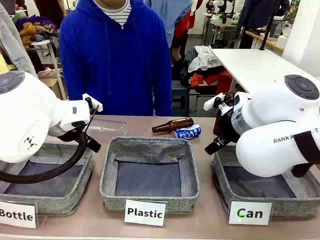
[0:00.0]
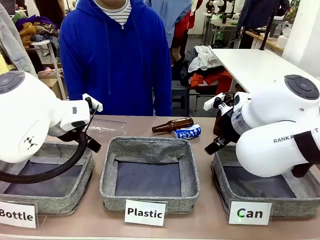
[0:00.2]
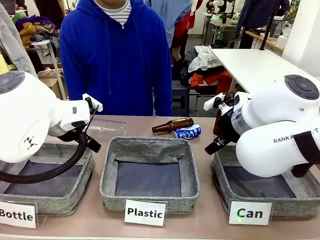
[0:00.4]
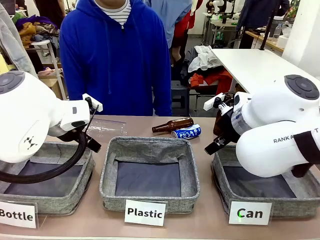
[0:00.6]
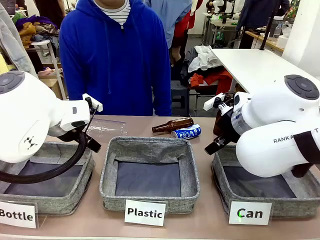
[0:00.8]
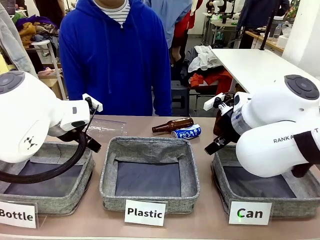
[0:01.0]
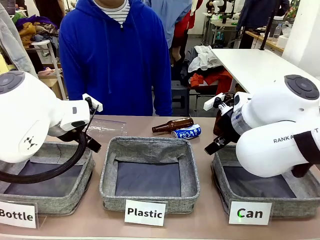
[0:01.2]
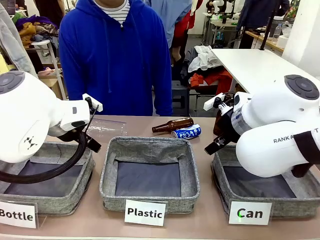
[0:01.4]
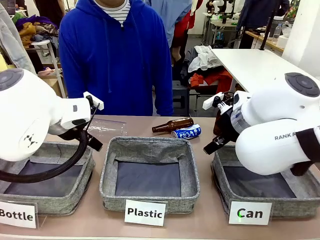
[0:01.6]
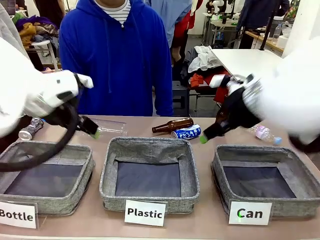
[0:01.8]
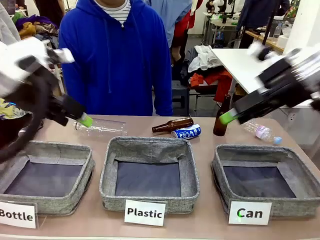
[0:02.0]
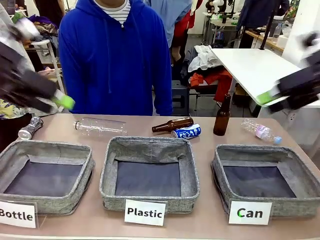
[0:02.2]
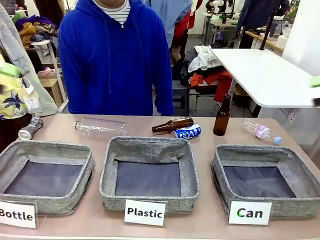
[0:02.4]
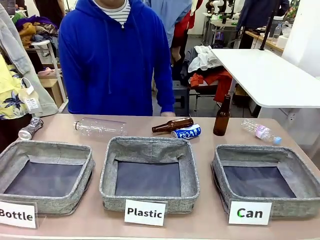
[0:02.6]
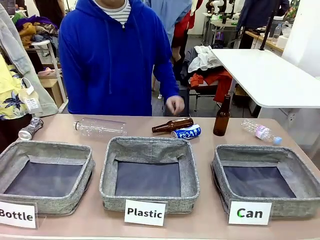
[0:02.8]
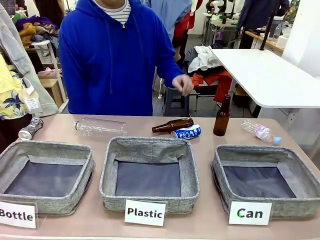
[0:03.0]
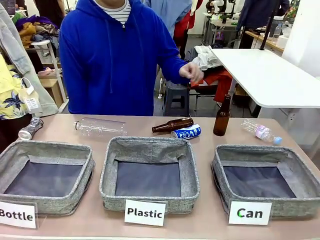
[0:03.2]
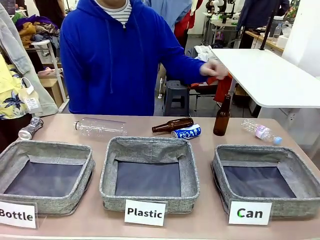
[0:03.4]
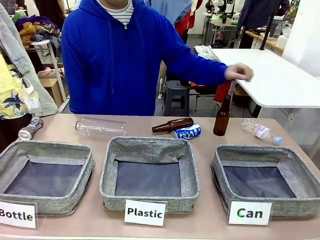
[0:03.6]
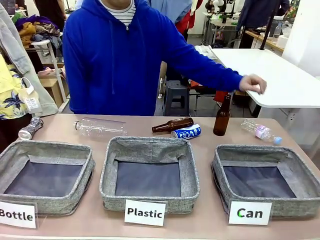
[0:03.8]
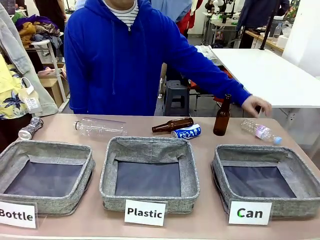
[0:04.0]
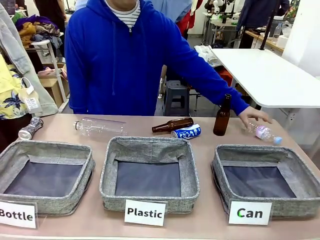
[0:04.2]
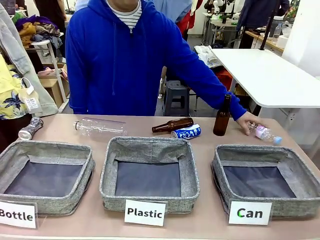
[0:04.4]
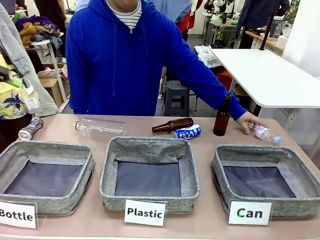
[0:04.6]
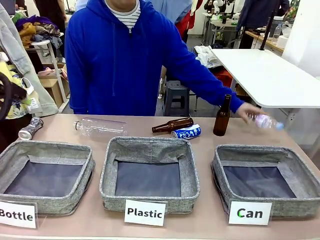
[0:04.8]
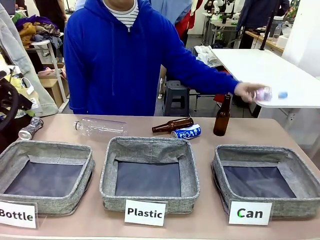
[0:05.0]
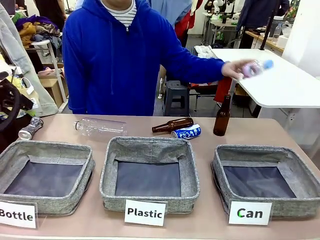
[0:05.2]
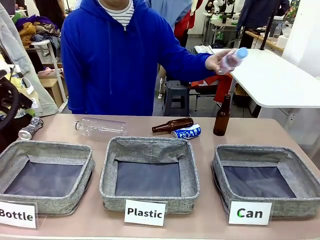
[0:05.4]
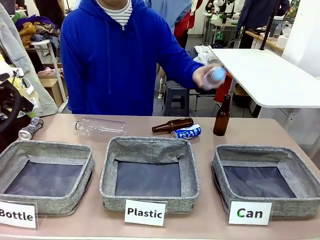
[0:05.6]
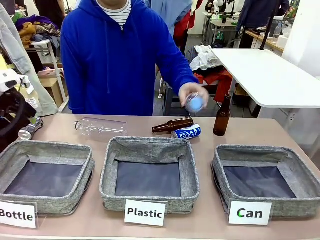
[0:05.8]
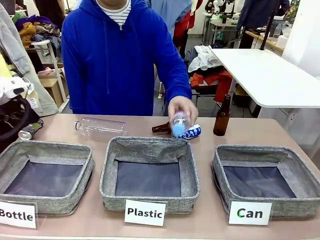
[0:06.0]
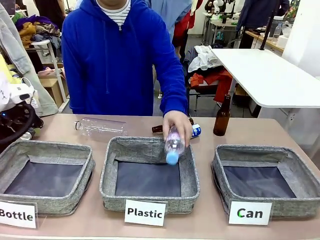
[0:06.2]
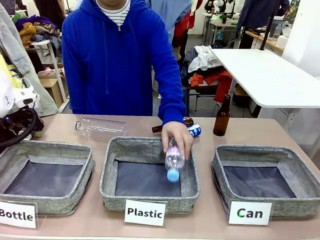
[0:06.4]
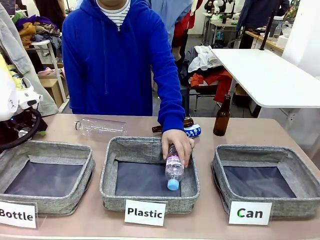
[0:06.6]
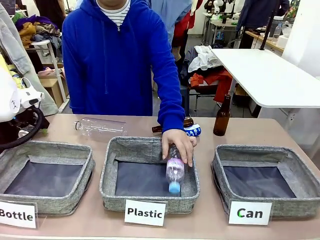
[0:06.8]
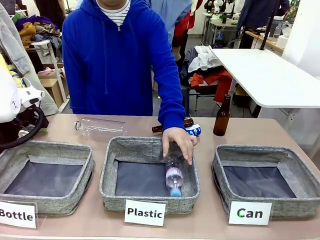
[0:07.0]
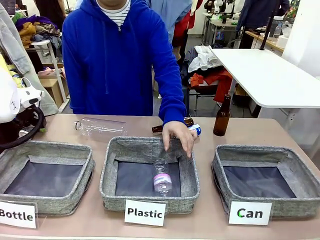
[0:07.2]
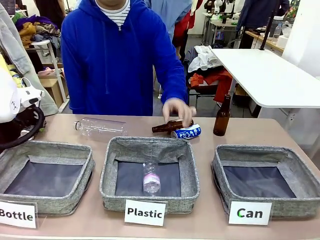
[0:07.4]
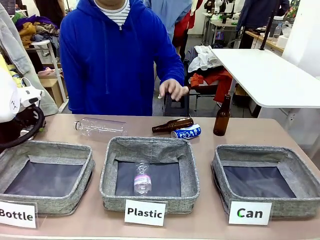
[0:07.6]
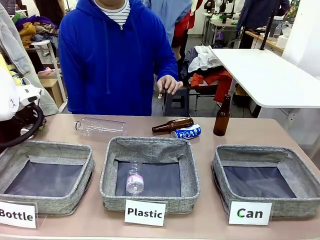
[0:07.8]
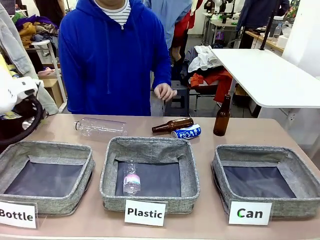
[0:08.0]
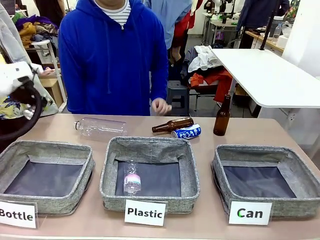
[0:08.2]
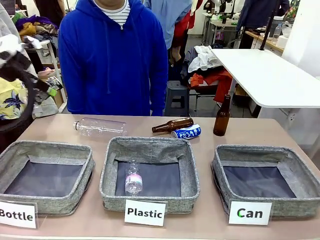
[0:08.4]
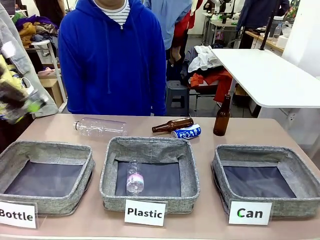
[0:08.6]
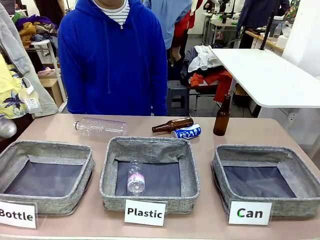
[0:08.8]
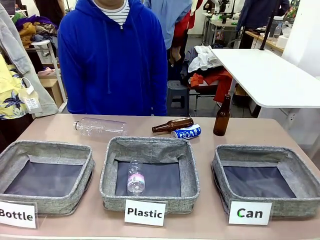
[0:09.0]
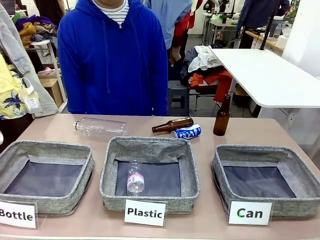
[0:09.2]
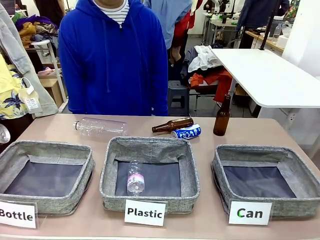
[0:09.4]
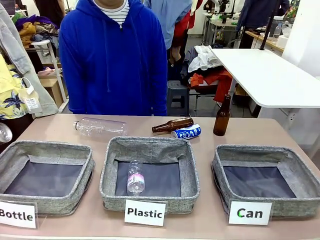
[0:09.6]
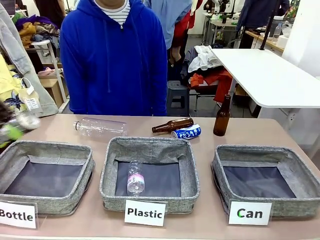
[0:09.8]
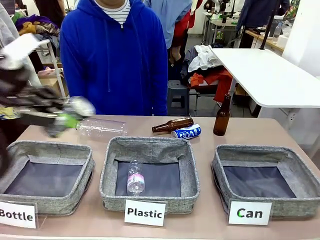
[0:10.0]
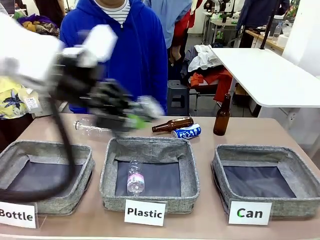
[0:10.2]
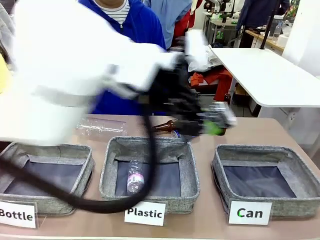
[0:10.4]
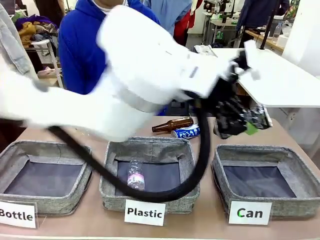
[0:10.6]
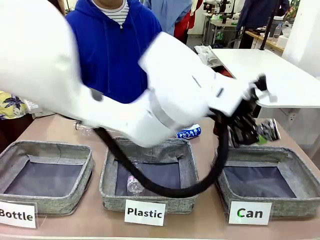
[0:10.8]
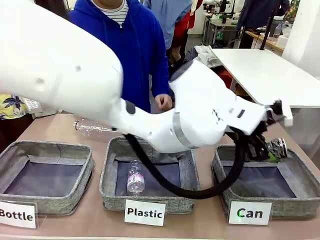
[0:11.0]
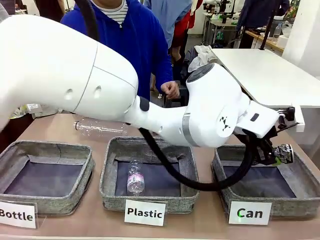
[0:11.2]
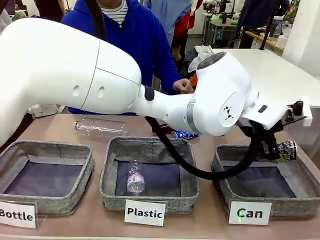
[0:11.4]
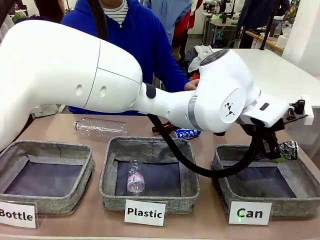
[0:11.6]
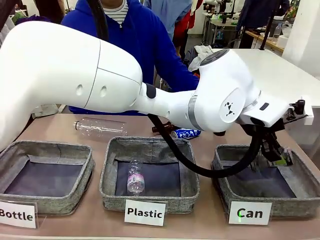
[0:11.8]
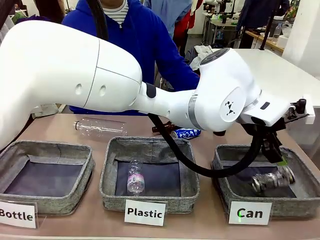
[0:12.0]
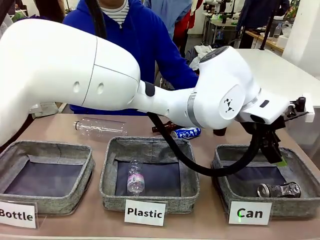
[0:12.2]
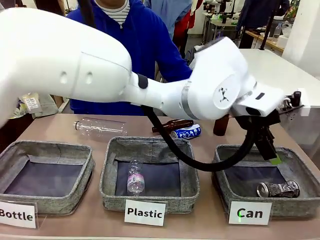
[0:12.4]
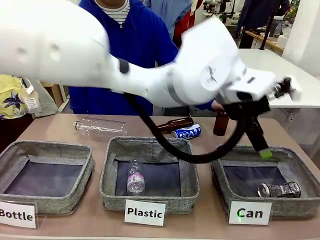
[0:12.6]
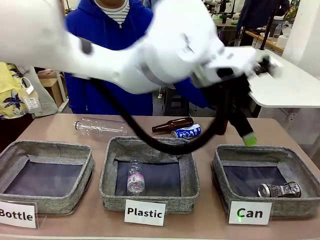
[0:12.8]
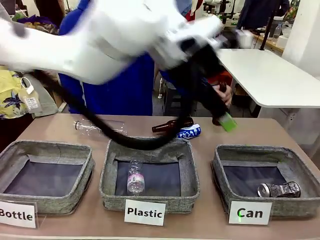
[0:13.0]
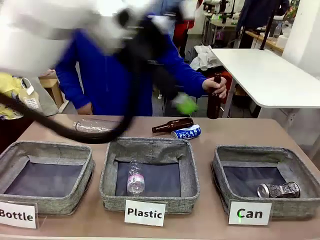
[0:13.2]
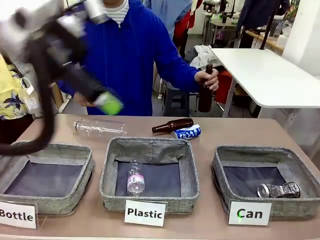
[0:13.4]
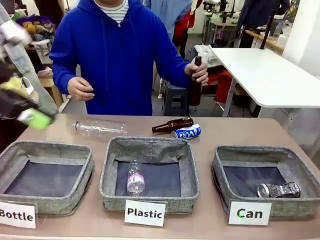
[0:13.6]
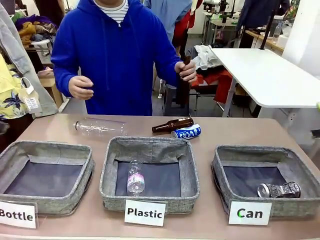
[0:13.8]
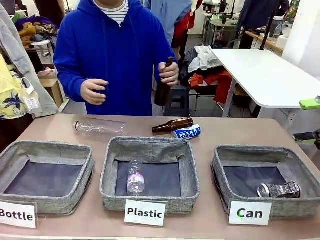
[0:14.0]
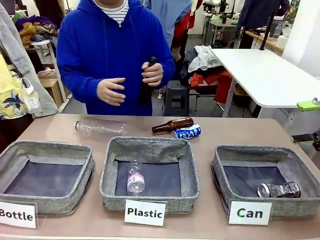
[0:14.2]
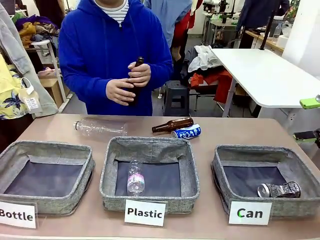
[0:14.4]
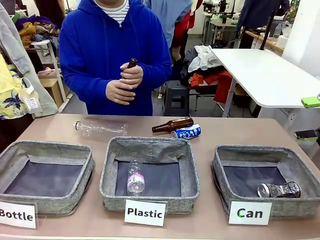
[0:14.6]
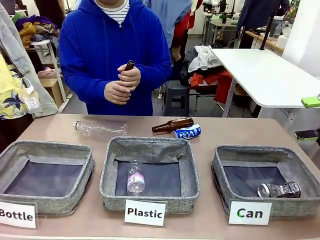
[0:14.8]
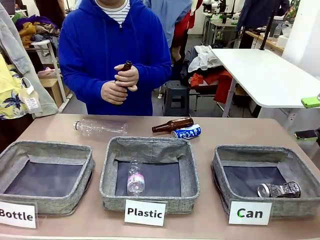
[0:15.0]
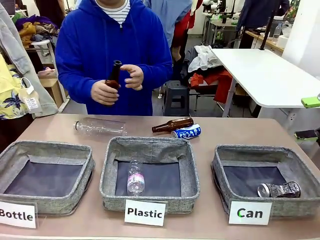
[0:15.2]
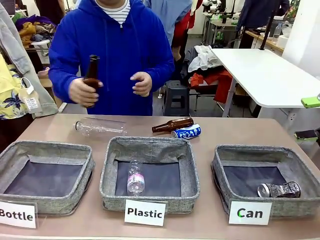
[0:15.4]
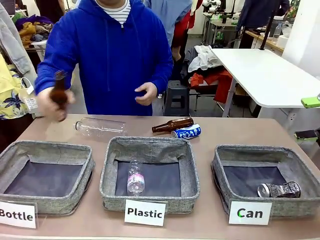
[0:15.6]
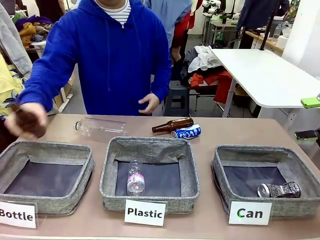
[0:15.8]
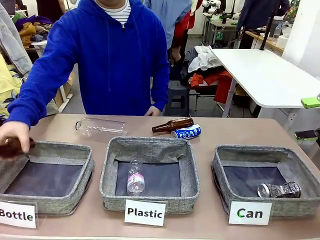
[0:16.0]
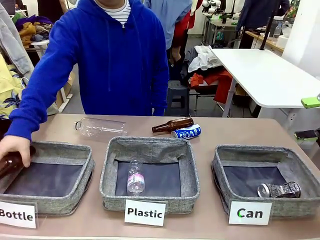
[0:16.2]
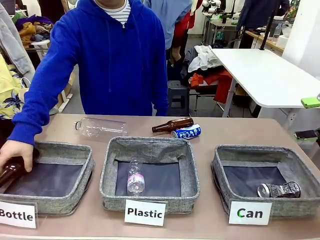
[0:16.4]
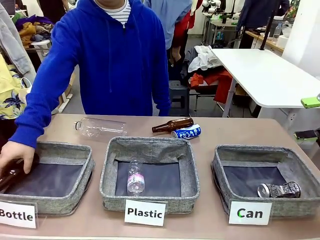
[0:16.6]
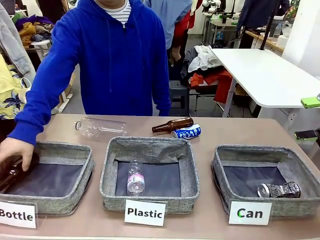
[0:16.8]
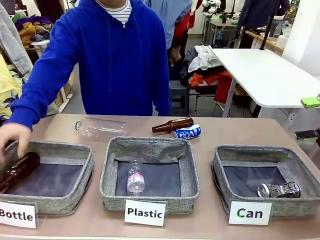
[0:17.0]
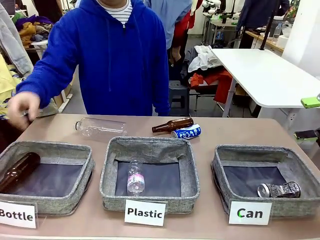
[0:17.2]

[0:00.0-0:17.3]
Task: Sort the can waste into the basket.
Robot: Pick up the can waste from the table and place it in the right Fabric basket.
